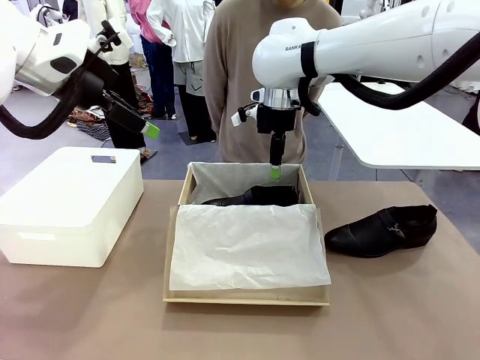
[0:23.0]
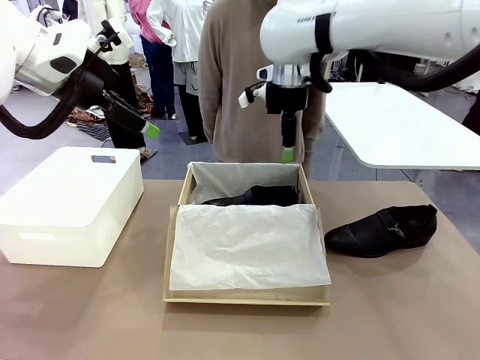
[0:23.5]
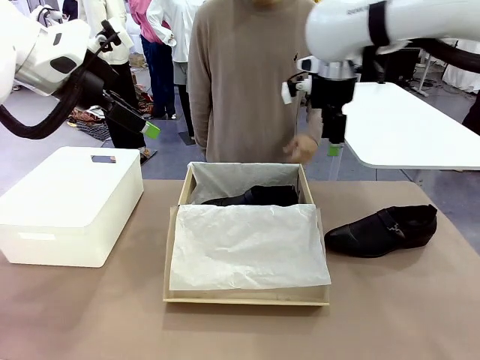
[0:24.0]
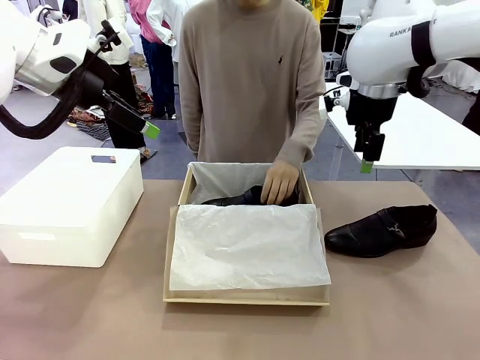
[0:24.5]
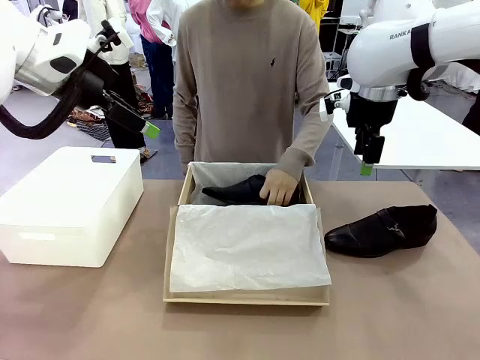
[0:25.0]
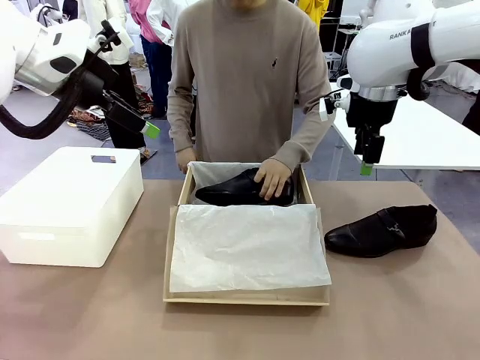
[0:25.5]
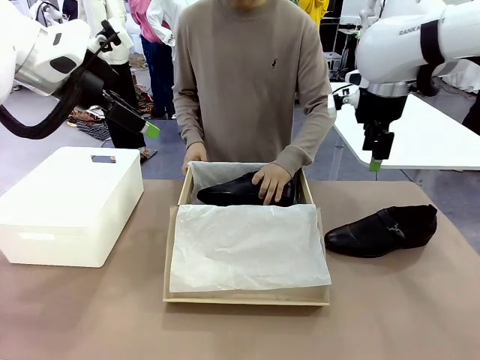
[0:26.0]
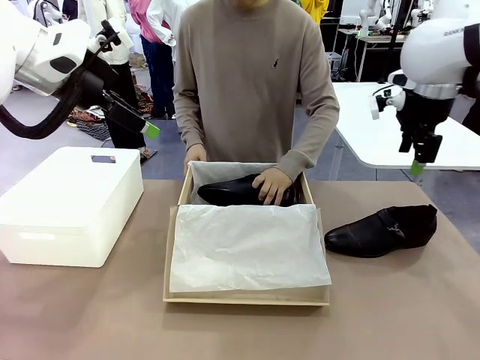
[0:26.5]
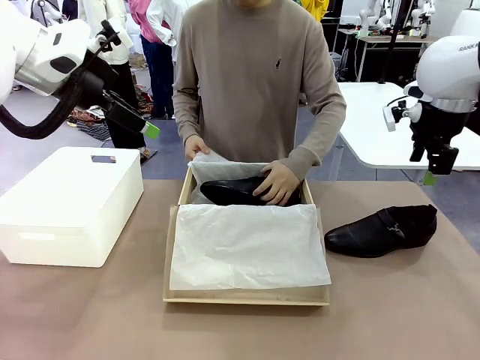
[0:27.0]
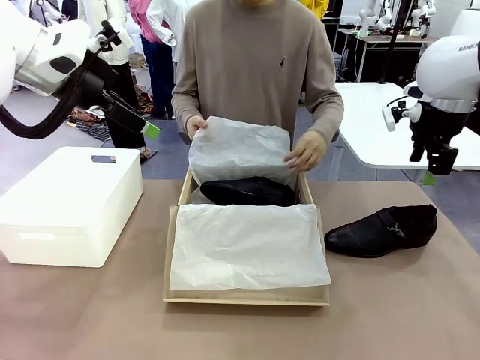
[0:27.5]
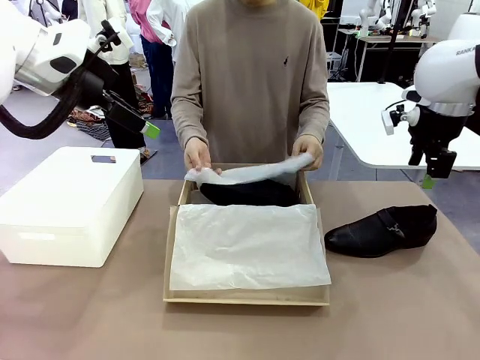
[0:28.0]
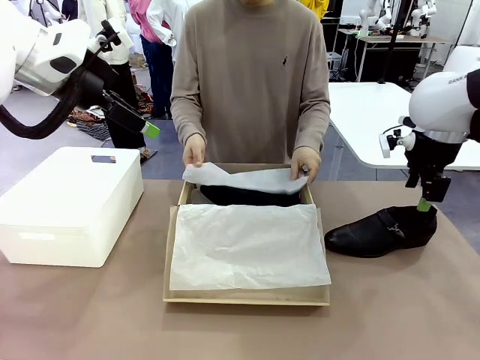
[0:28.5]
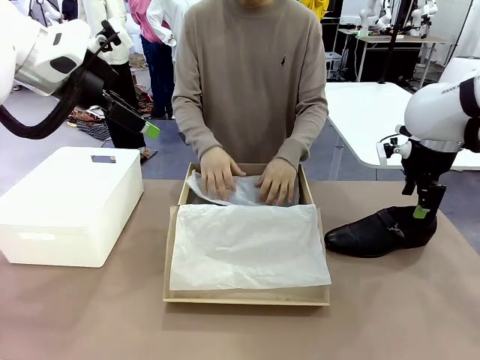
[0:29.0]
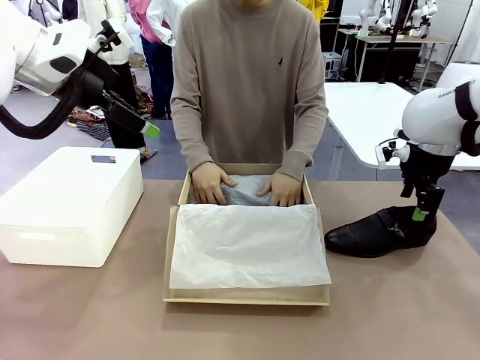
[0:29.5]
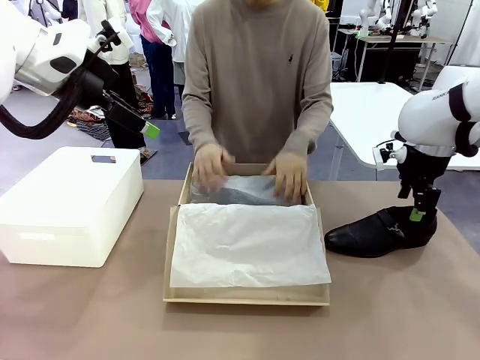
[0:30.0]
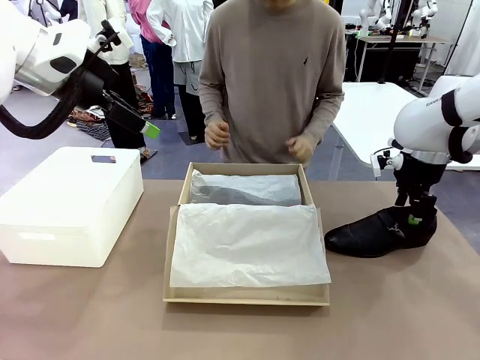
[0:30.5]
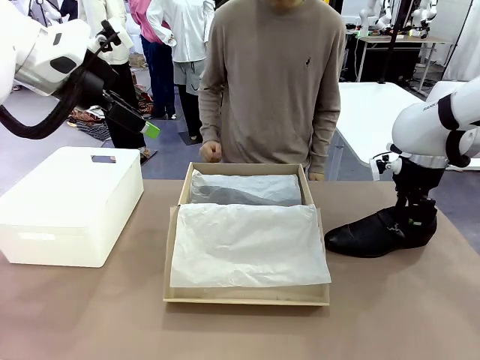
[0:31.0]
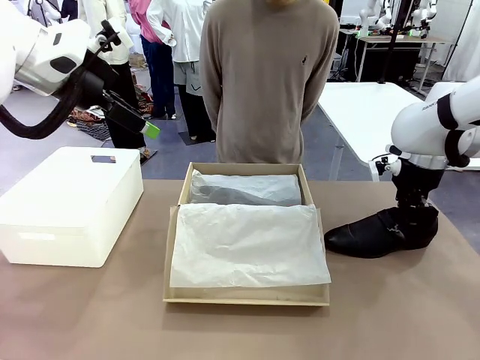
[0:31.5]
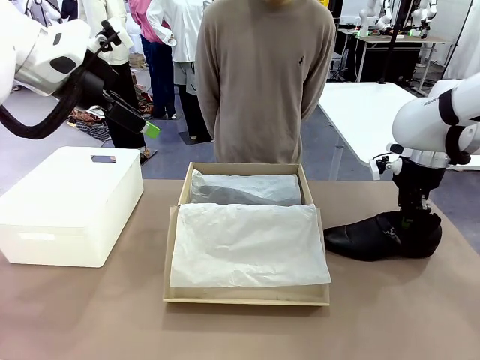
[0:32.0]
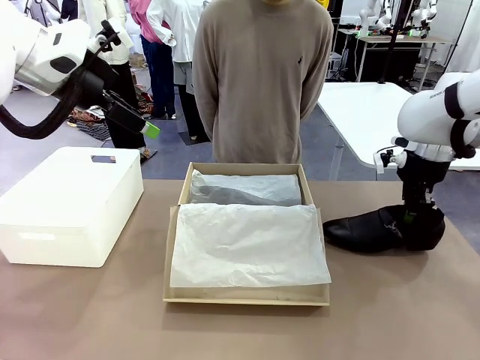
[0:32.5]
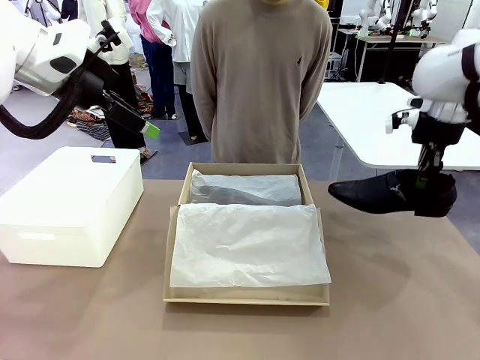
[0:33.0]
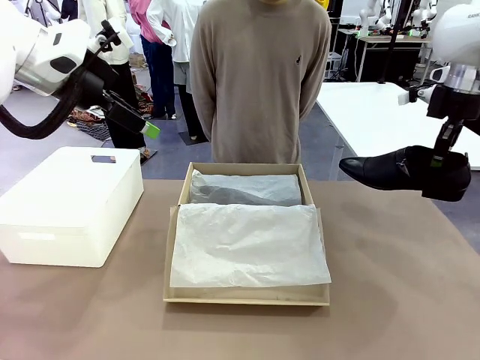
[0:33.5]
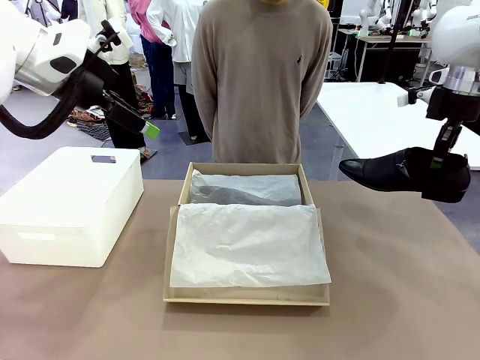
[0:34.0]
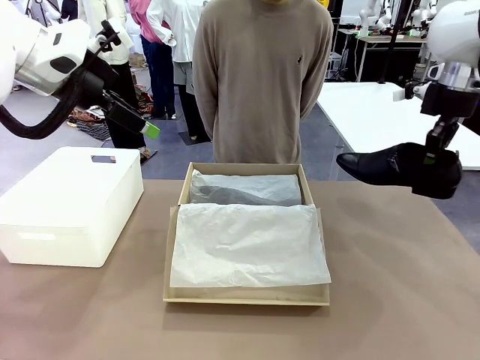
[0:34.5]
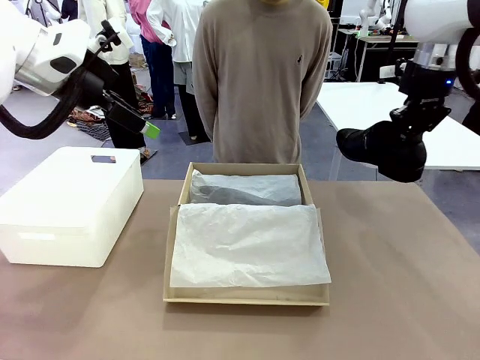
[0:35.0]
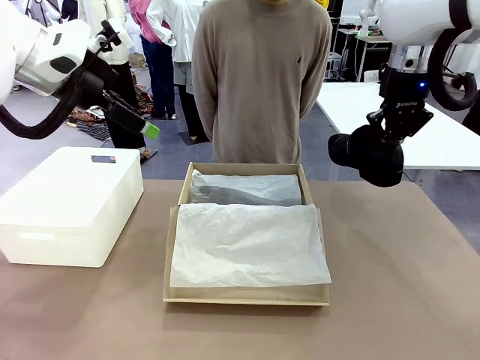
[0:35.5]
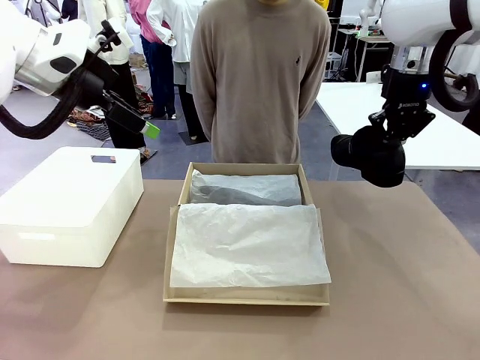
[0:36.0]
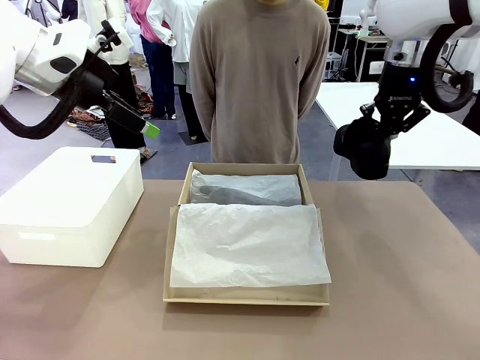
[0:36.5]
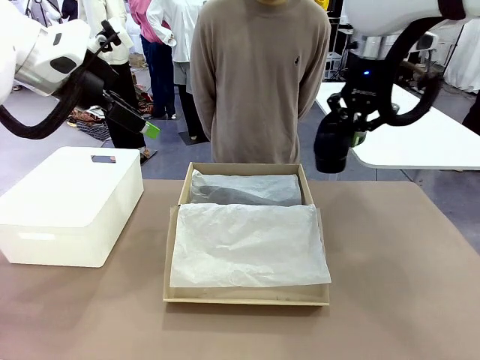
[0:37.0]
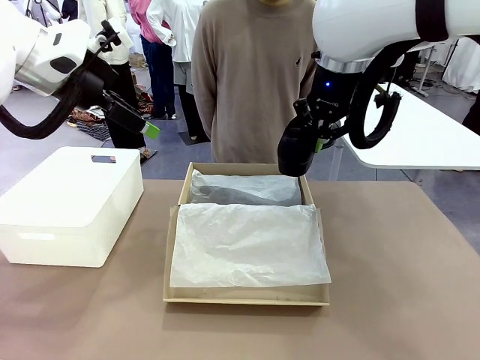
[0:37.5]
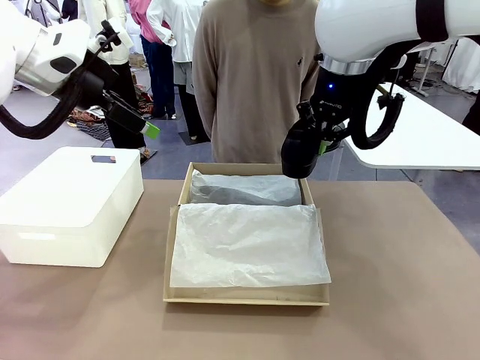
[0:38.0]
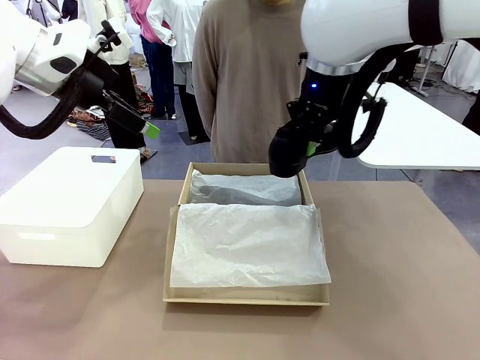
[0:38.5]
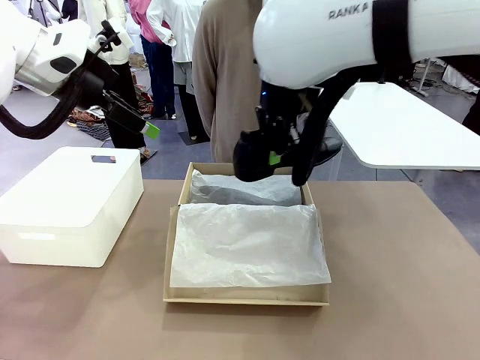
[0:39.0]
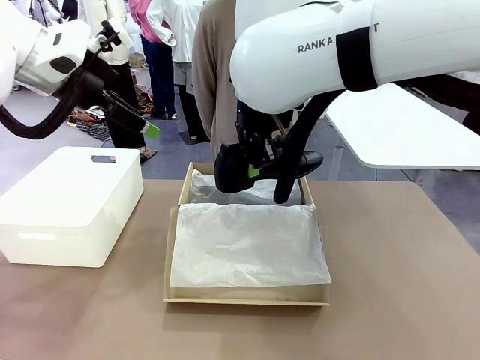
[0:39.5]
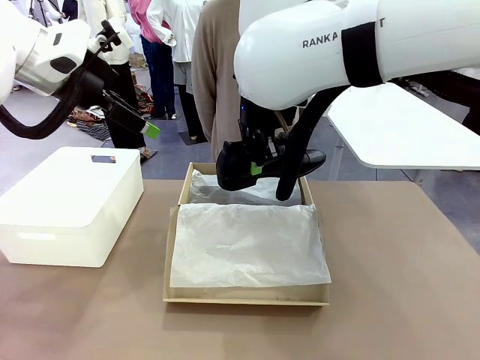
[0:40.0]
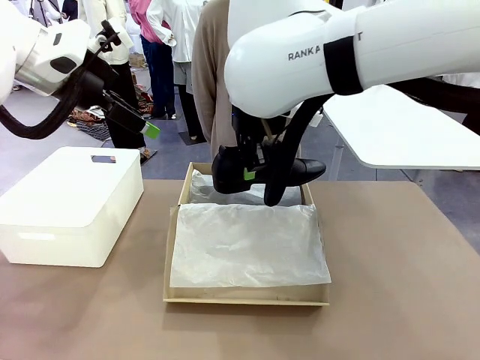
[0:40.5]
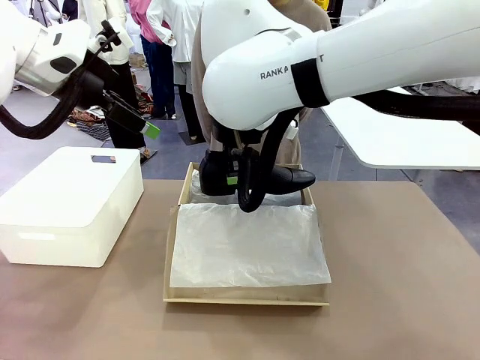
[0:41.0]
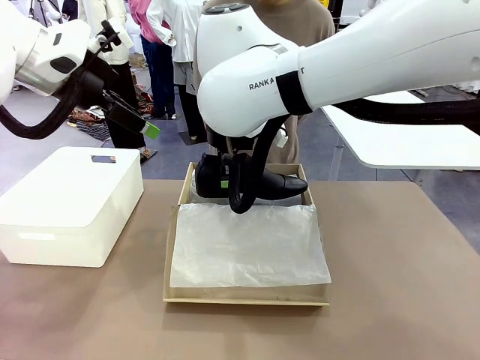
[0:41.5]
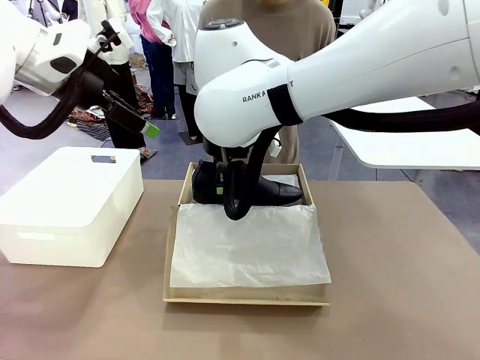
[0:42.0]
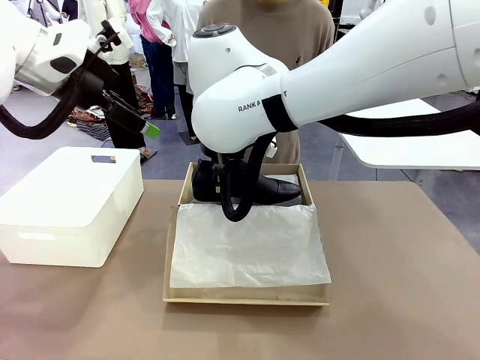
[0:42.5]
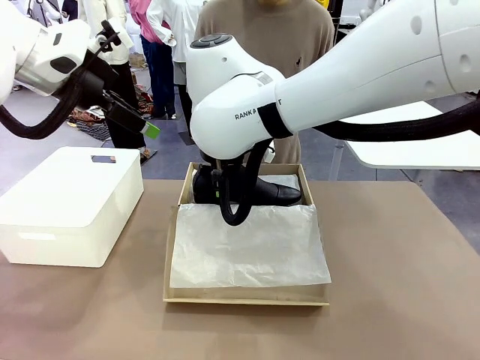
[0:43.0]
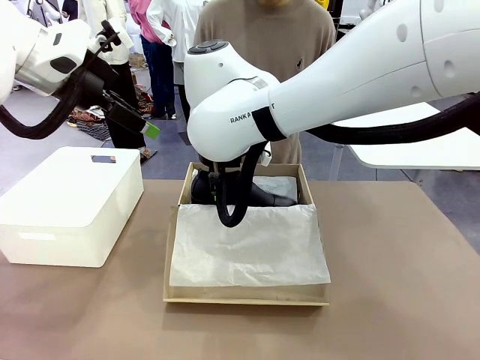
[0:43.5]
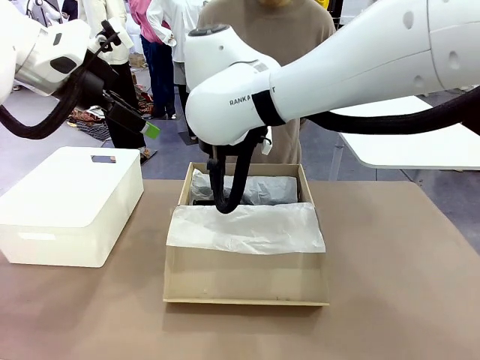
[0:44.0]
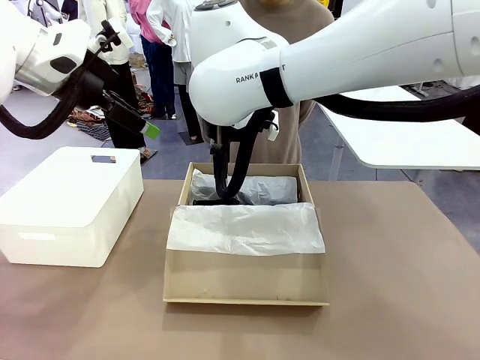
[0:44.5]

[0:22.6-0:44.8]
Task: Pack the shoes into the box.
Robot: Place the other shoe of the Shoes into the Shoes Box.
Person: Pack a shoe of Shoes inside the Shoes Box with Shoes Wrapping Paper.

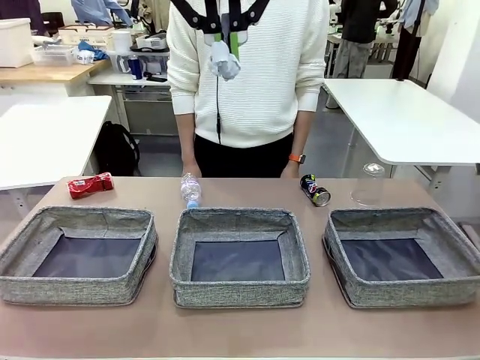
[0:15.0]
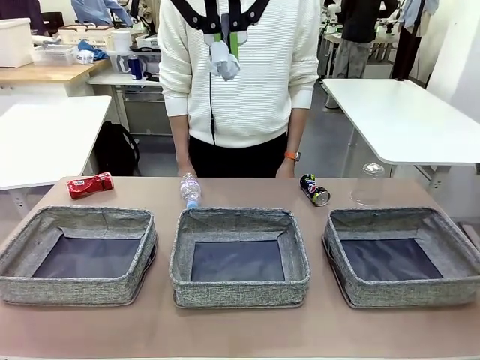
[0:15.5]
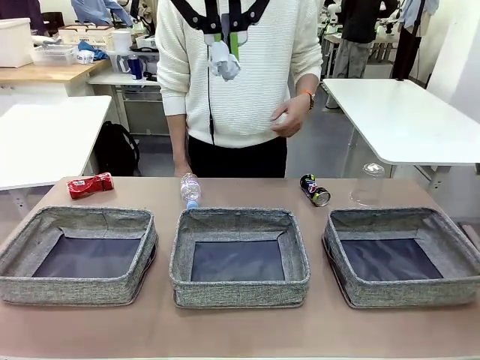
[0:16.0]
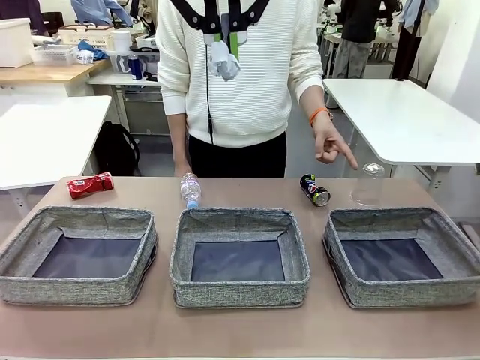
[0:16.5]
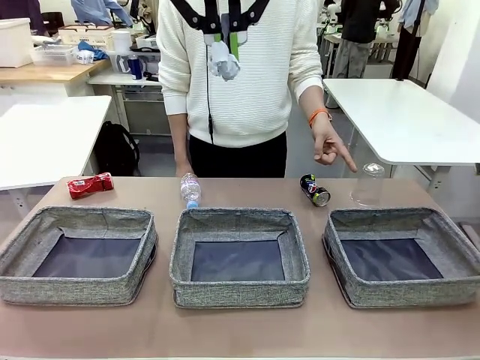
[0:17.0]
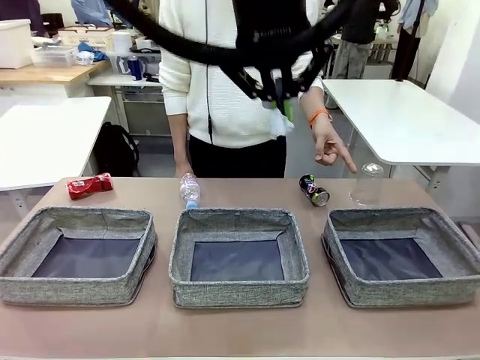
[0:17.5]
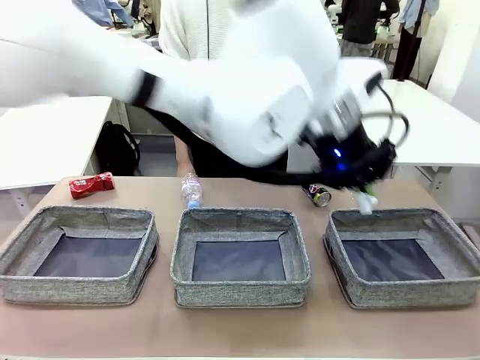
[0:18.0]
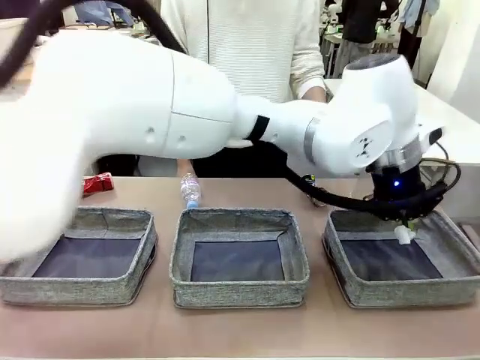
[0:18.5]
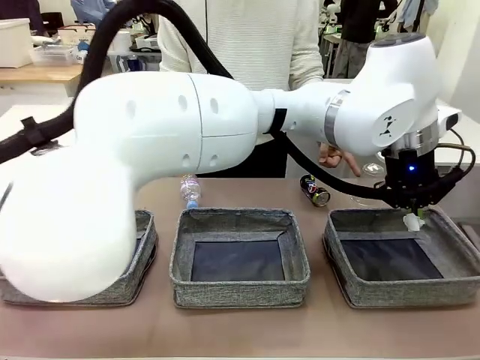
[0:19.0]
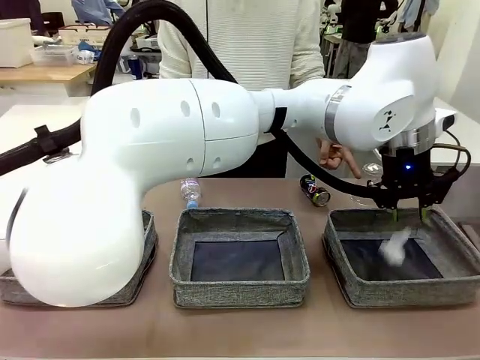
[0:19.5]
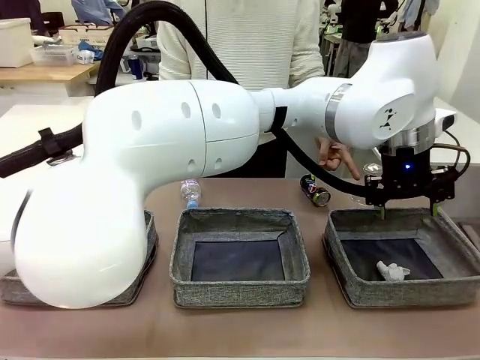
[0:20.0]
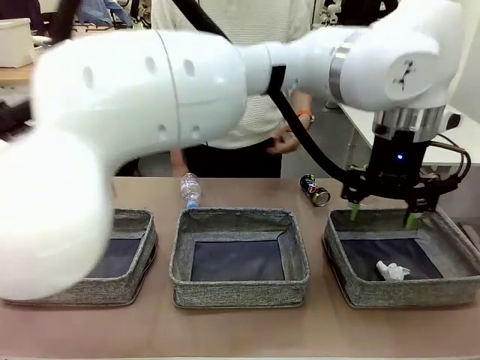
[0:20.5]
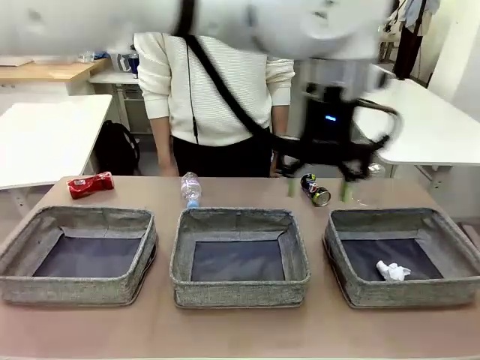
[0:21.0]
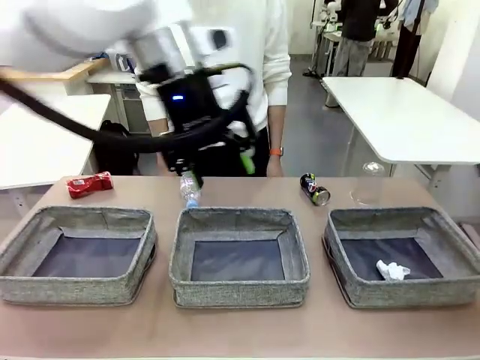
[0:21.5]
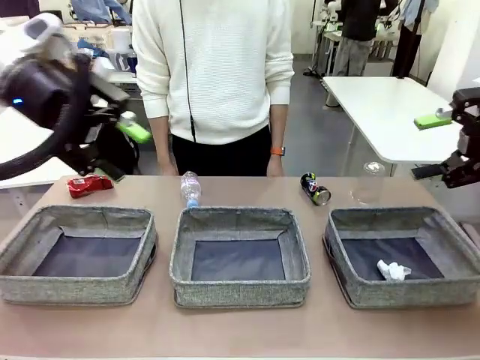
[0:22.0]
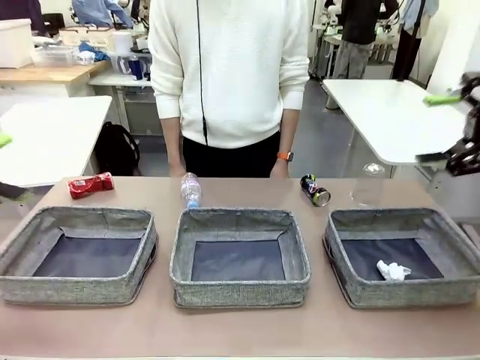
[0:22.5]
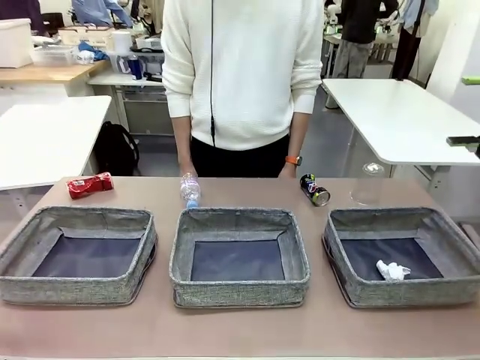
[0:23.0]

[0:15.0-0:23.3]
Task: Sort the waste into the appropriate baskets.
Robot: Place the picked waste into the Fabric basket indicated by the person.
Person: Instructs the robot to place the picked-up trash into the appropriate organizing basket.
